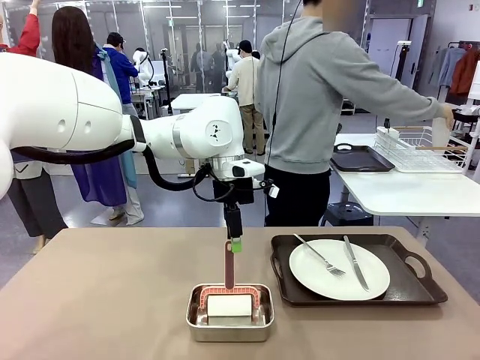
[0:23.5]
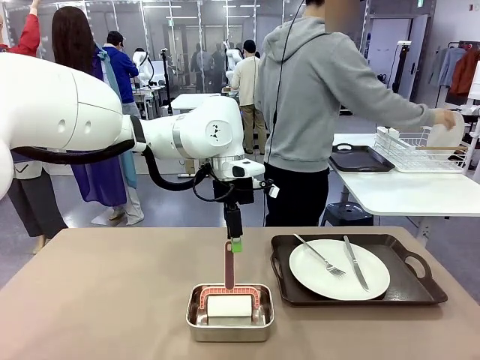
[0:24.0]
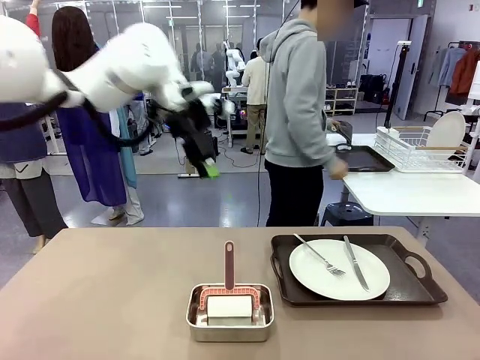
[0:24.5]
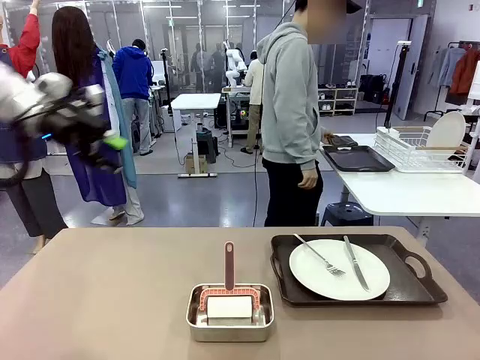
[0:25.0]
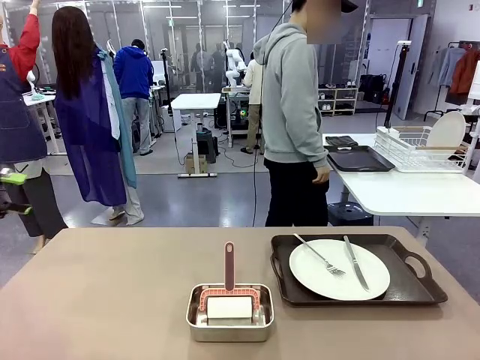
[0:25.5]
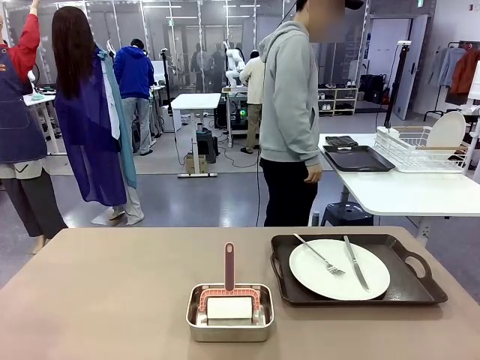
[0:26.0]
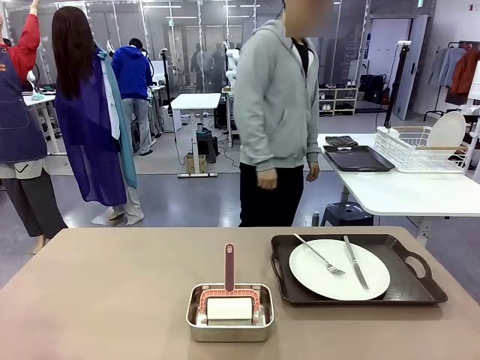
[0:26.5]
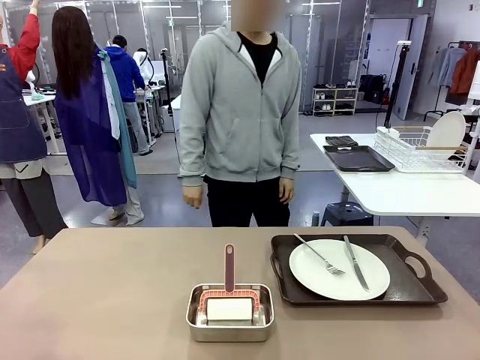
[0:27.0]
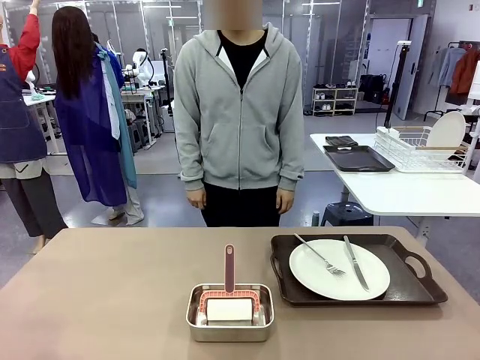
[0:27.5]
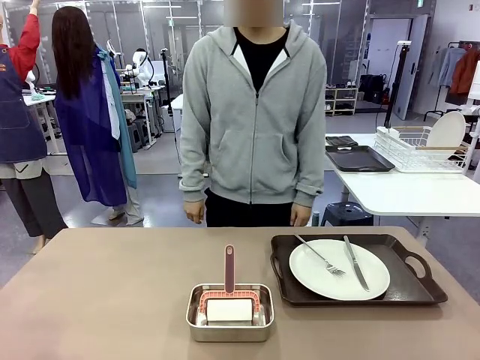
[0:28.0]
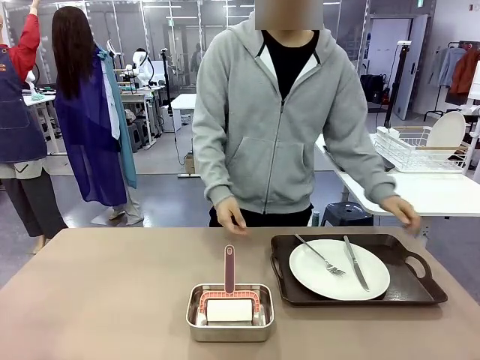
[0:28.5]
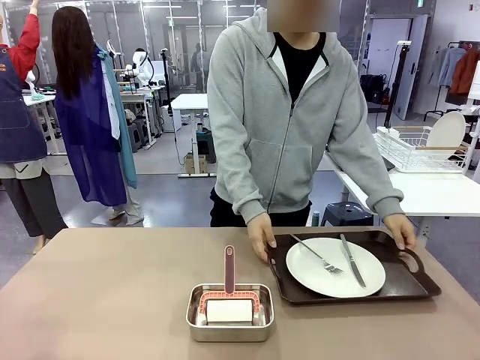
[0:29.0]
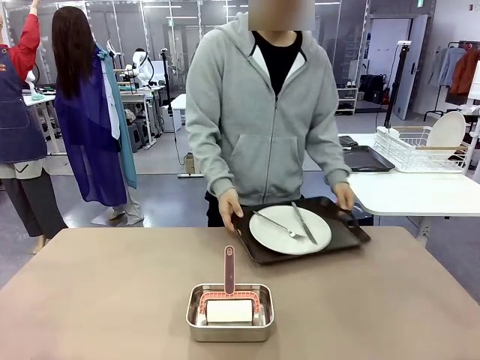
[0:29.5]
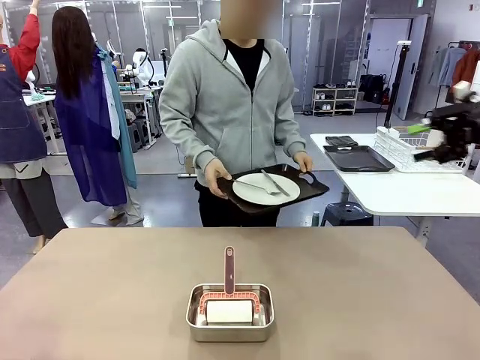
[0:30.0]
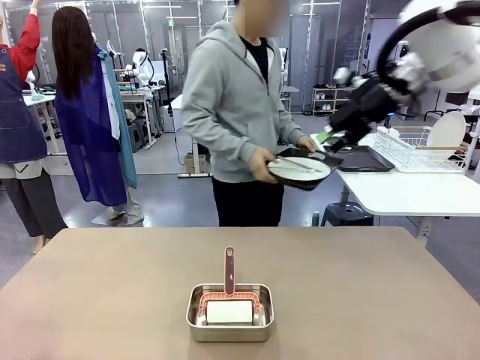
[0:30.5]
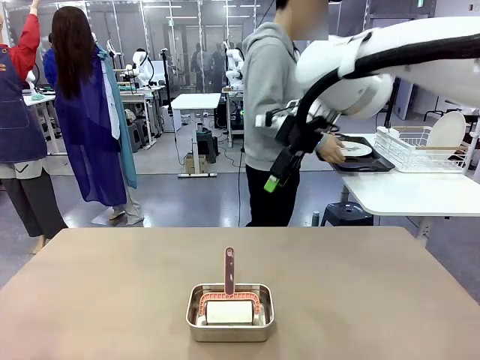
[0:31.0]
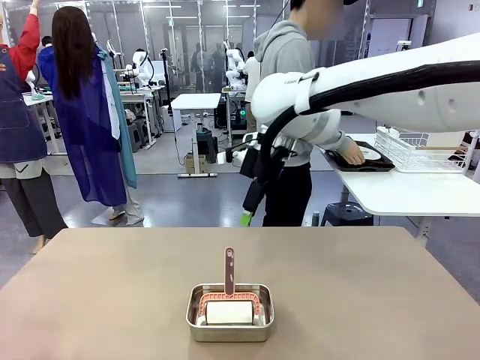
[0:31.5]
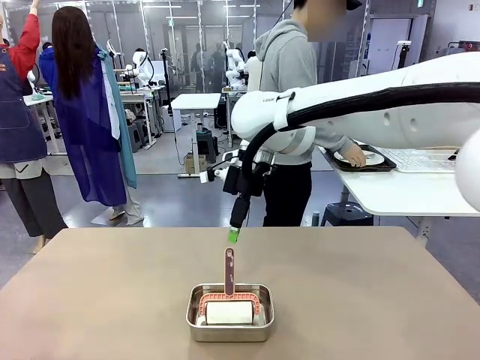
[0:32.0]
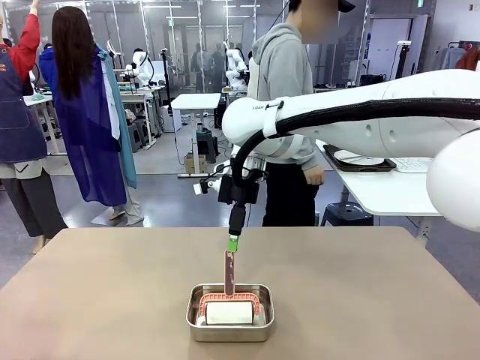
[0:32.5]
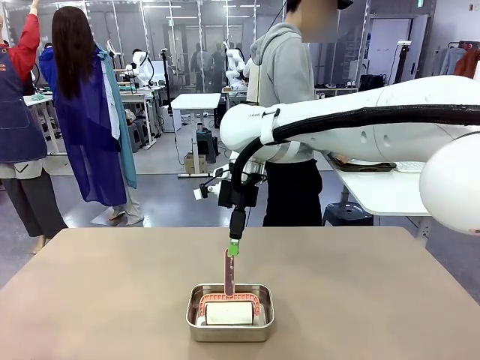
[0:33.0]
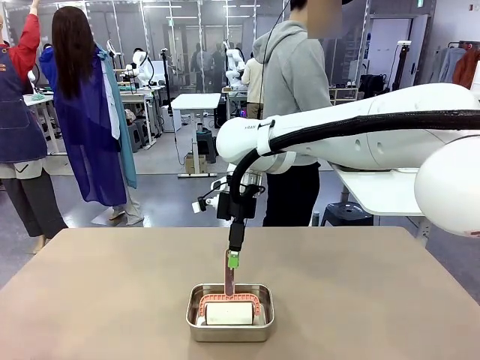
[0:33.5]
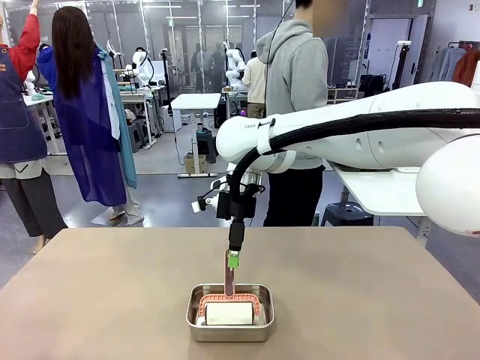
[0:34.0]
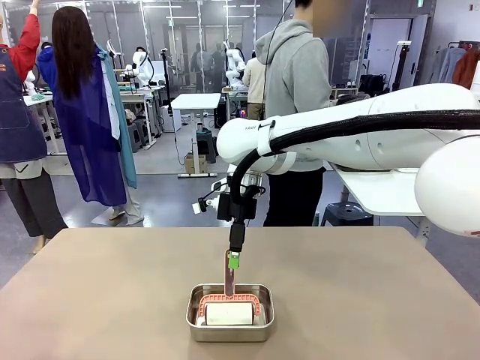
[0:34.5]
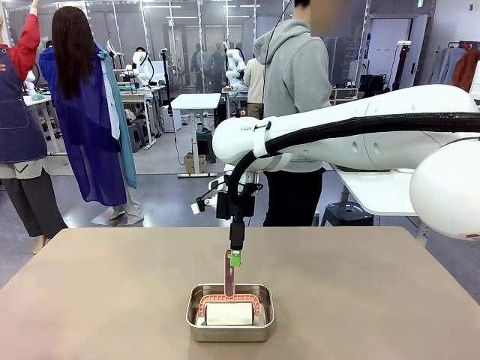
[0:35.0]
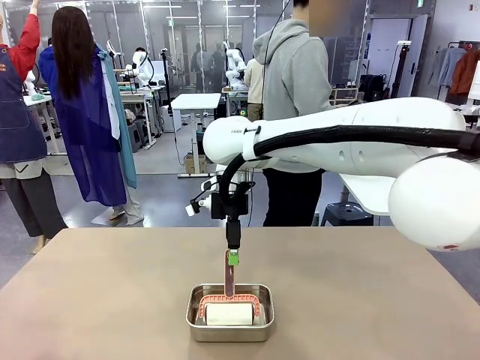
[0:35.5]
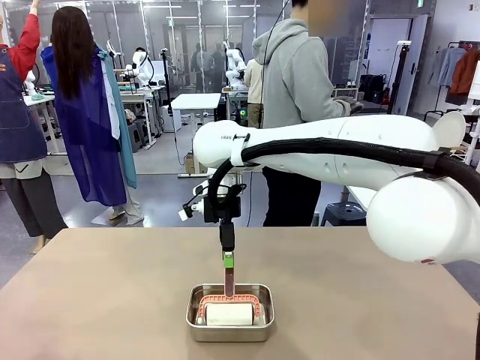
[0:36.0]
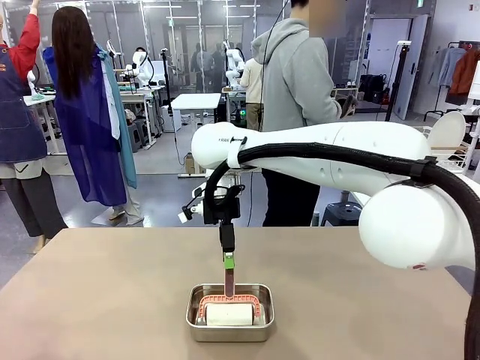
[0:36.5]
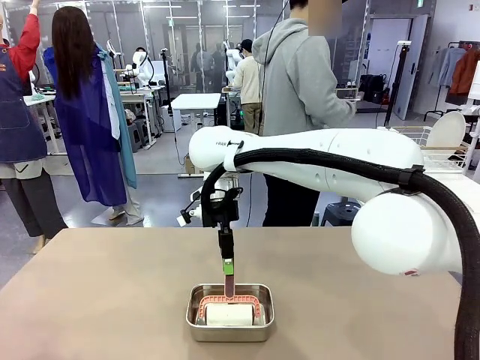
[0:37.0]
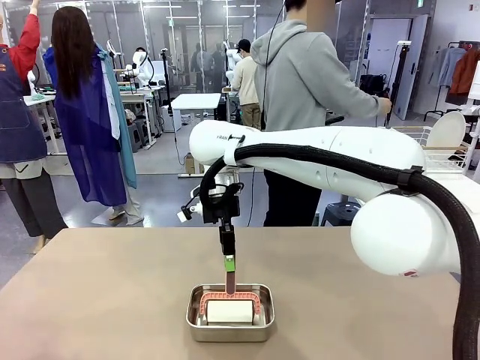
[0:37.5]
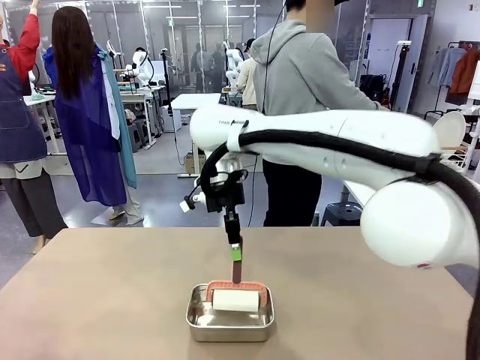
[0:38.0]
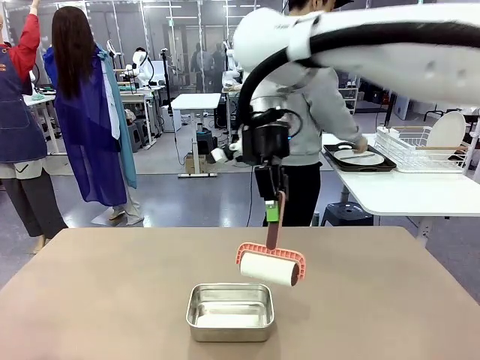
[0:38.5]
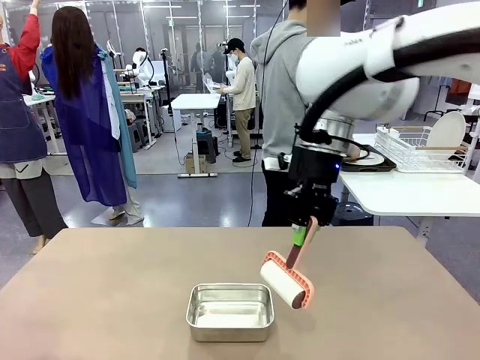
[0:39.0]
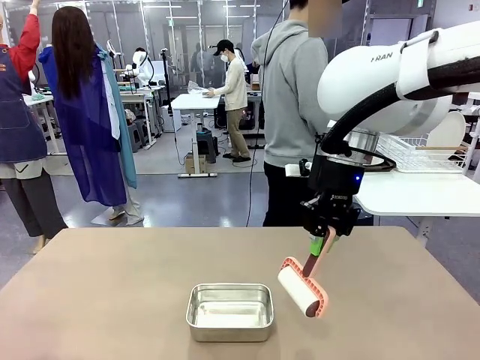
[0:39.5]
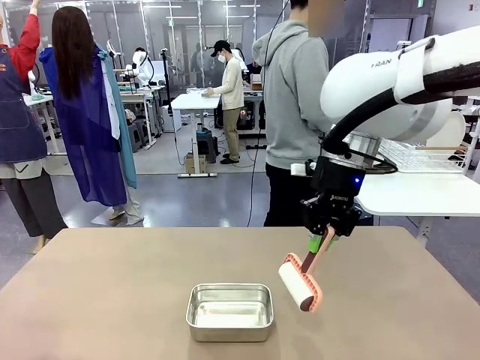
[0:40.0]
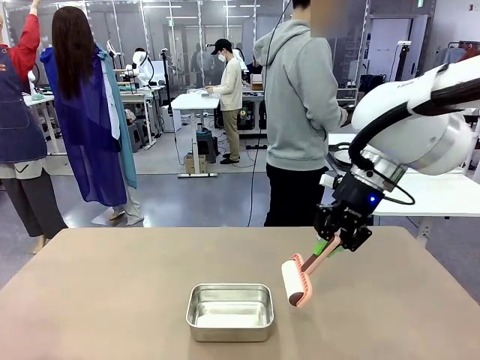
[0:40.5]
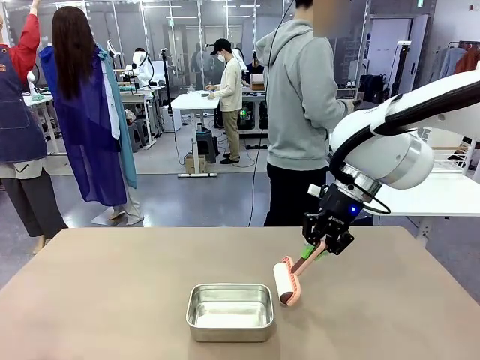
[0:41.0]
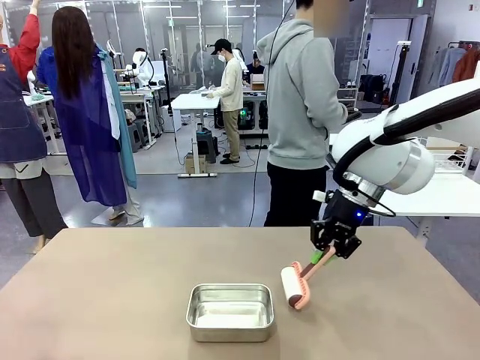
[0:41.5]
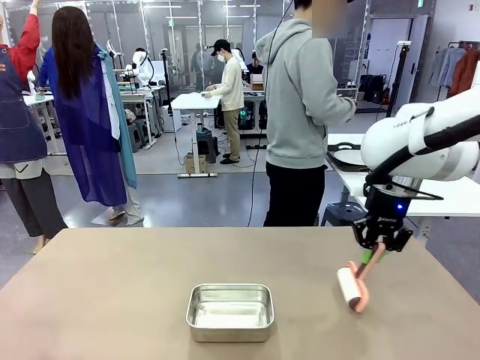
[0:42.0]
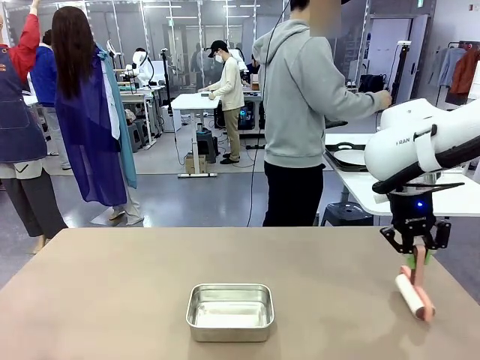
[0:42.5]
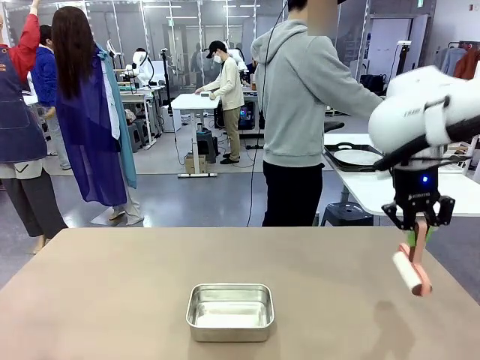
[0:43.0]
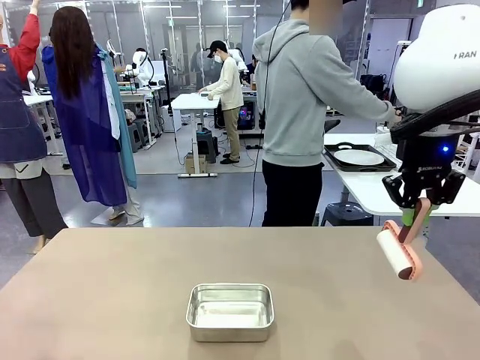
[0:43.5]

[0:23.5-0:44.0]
Robot: When the right (or left) Handle tray is removed, use the right hand (or left hand) to clean the right (or left) side of the table with the Lint Roller.
Person: Pick up the left (or right) Handle tray and place it on the Handle tray. Use the Towel with hook to wipe the Plastic Matte Plate , Fork , and Knife and place into the Dish drying rack.

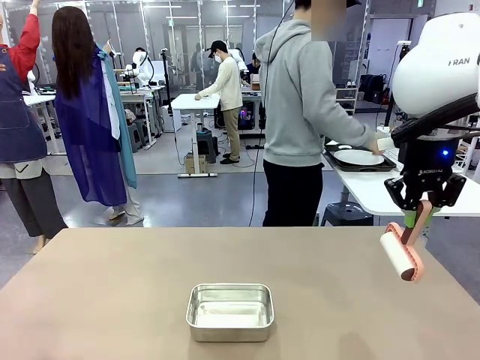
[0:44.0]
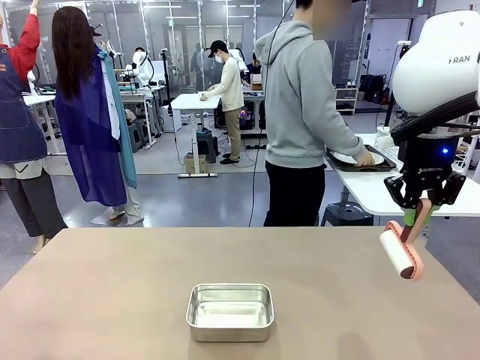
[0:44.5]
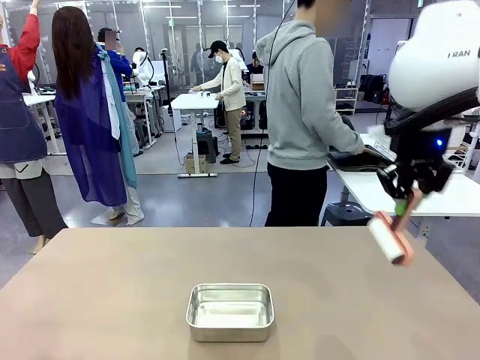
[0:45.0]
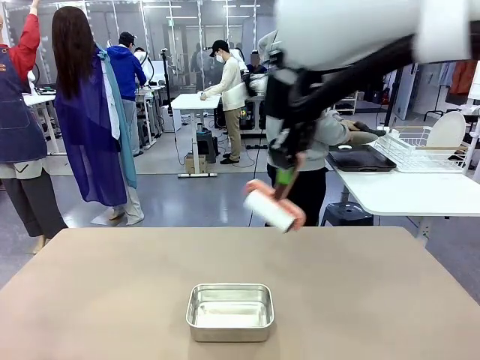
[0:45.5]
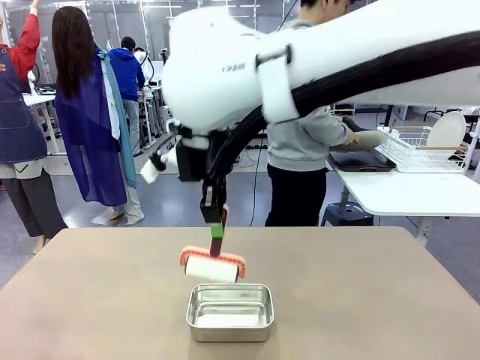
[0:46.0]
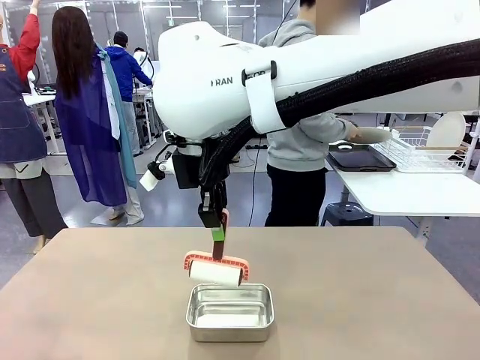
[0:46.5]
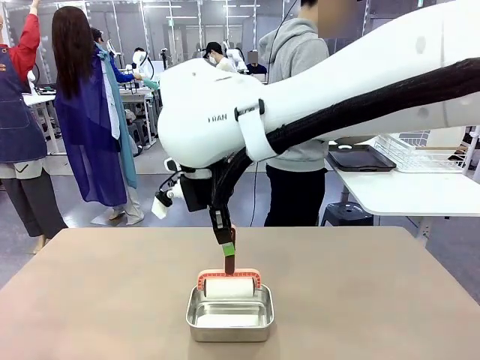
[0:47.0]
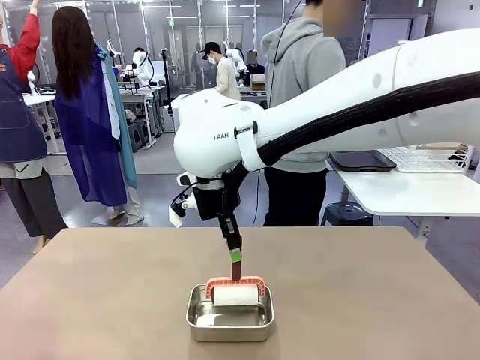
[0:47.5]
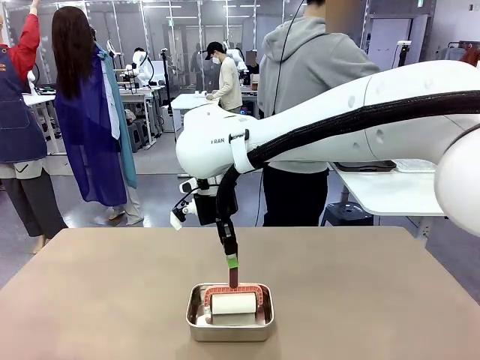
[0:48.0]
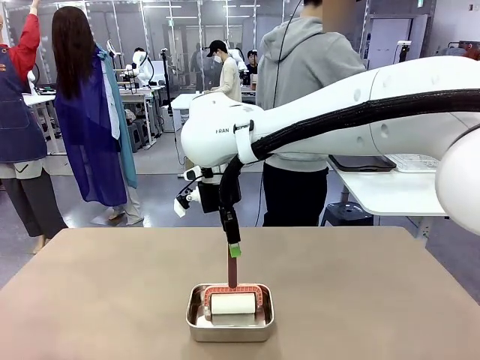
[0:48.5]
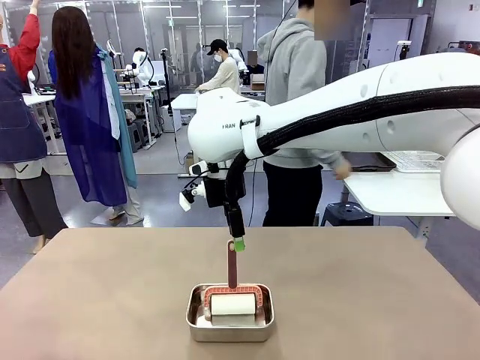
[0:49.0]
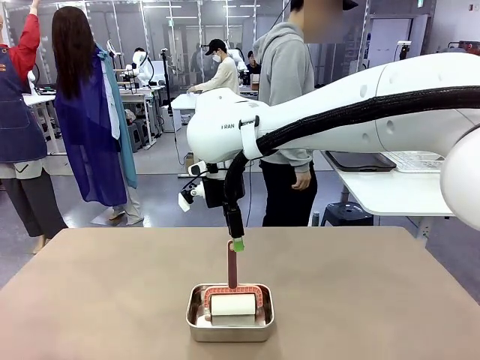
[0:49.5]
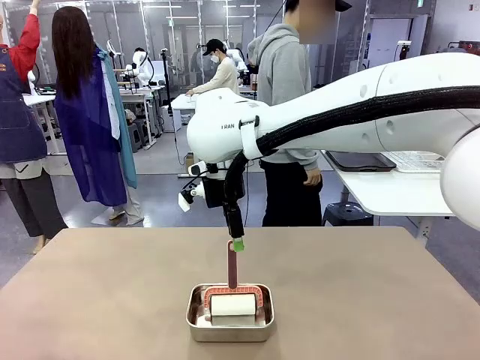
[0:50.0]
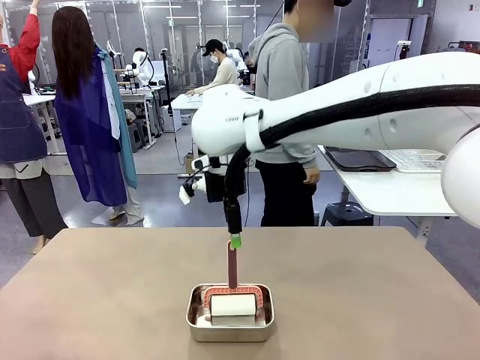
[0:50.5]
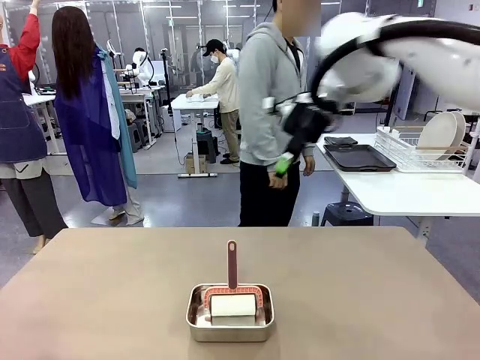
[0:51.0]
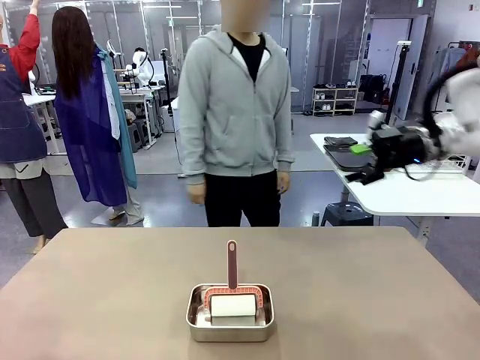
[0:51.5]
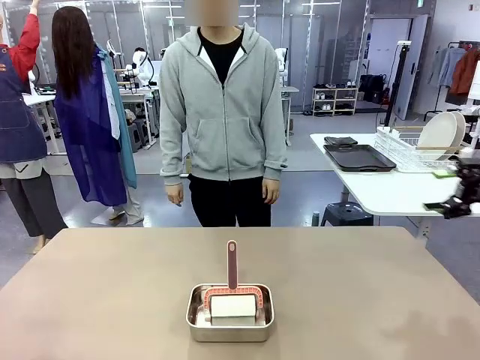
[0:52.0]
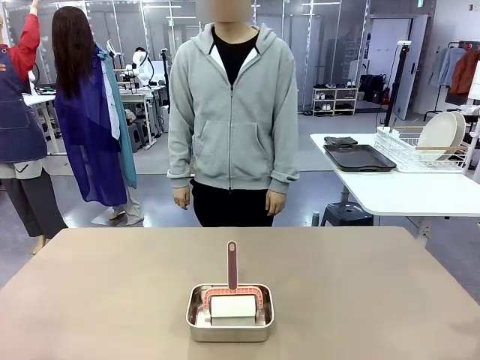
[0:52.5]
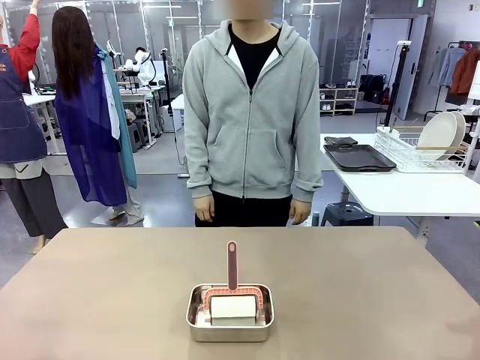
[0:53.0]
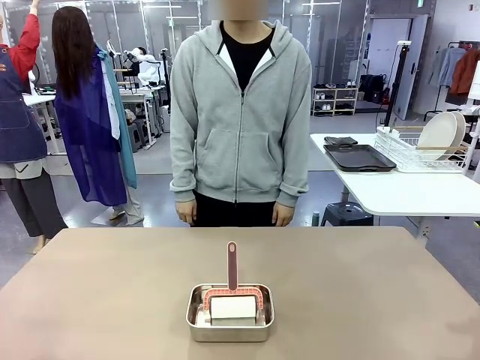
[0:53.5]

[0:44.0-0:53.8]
Robot: Place the Lint Roller back on top of the Airtight Container.
